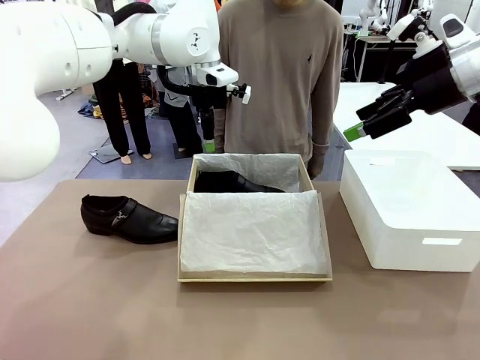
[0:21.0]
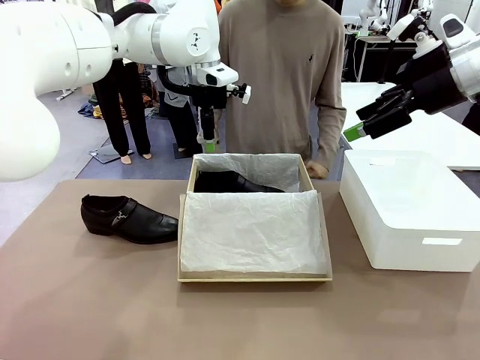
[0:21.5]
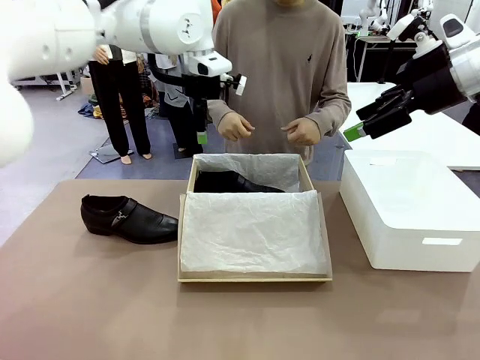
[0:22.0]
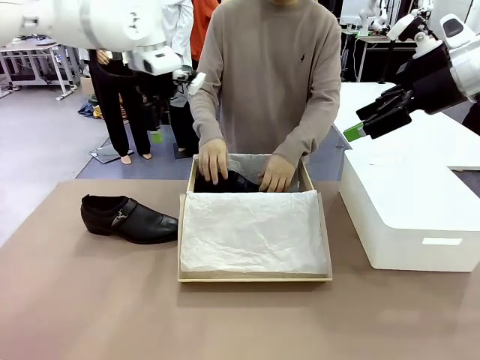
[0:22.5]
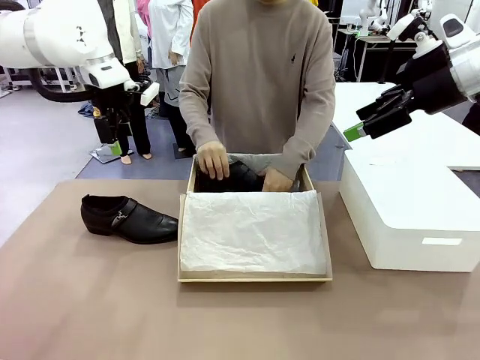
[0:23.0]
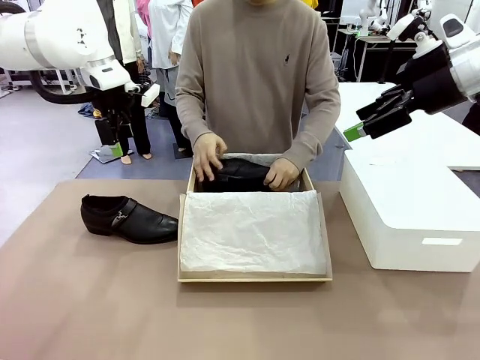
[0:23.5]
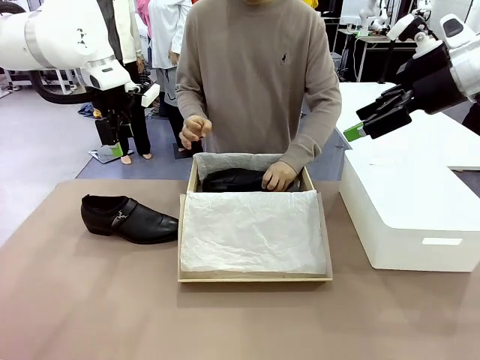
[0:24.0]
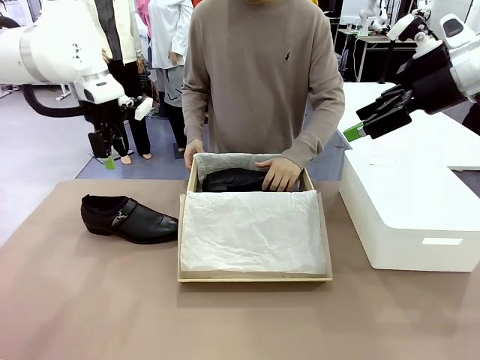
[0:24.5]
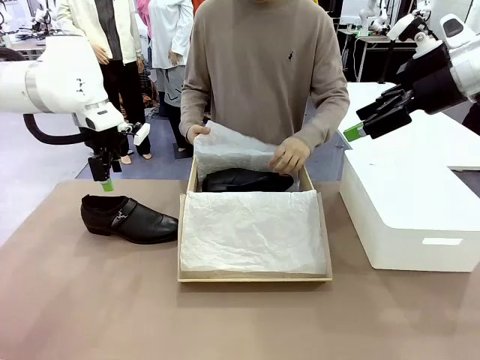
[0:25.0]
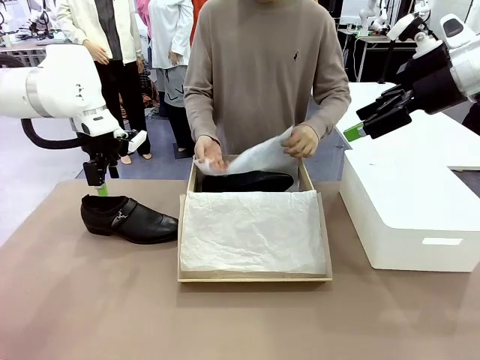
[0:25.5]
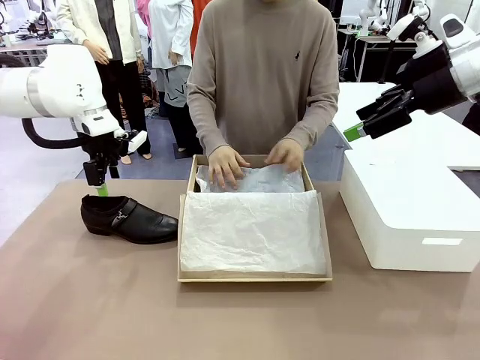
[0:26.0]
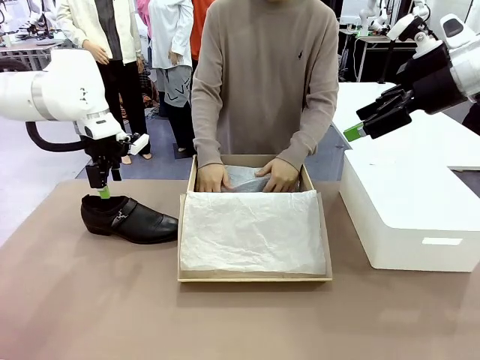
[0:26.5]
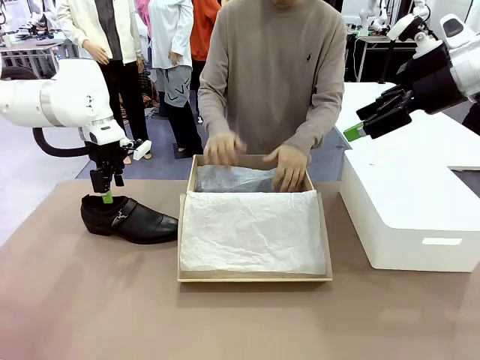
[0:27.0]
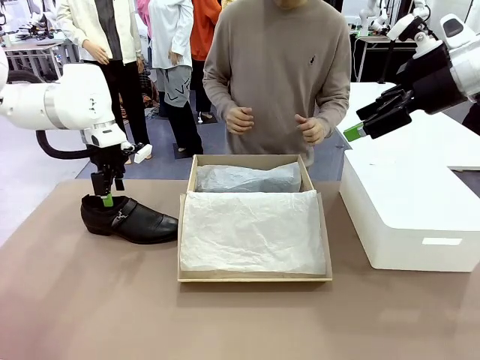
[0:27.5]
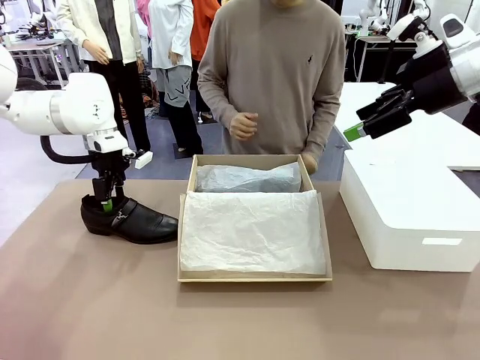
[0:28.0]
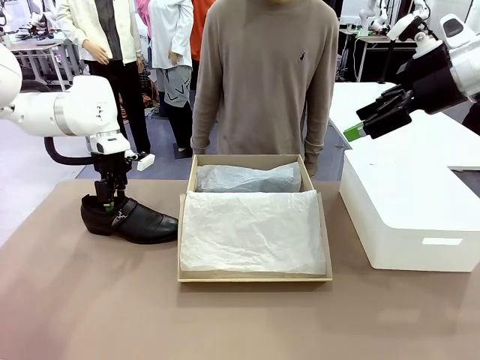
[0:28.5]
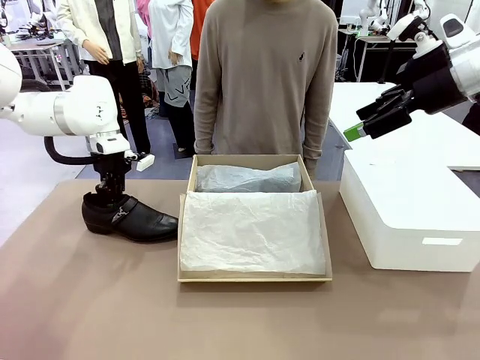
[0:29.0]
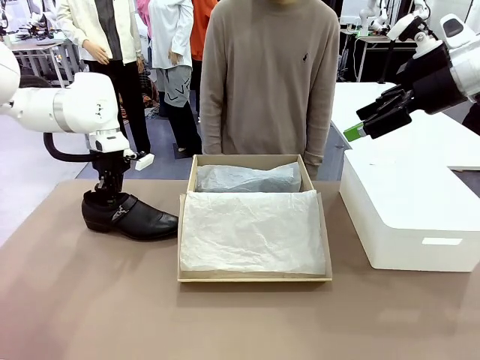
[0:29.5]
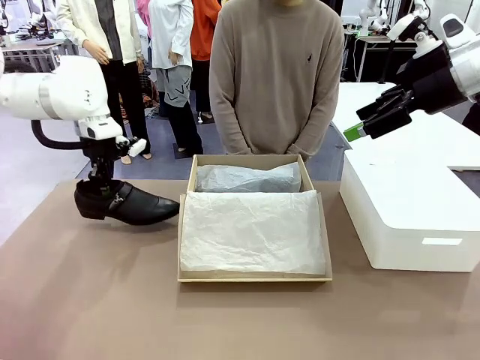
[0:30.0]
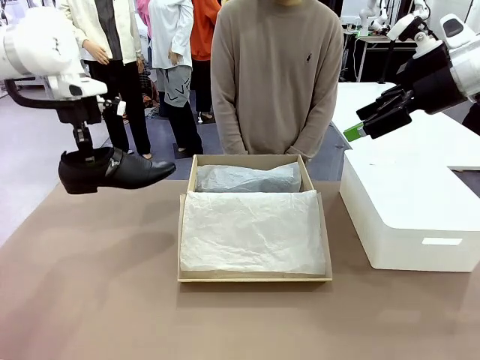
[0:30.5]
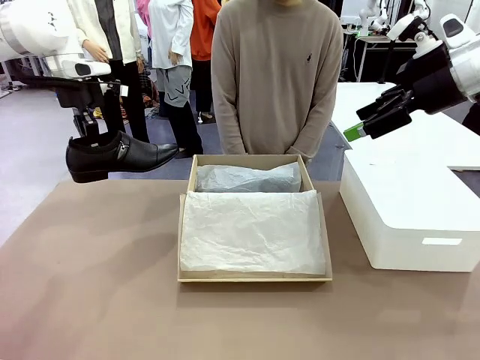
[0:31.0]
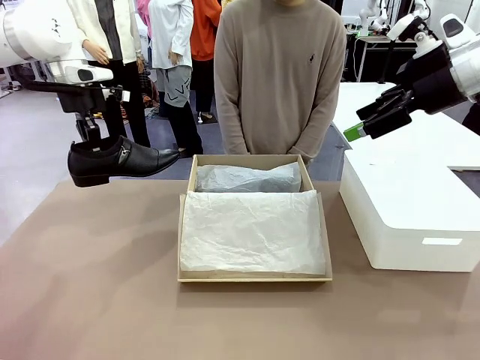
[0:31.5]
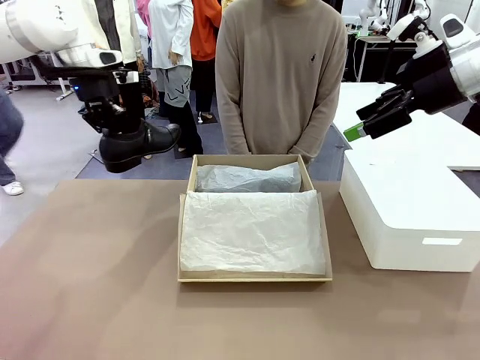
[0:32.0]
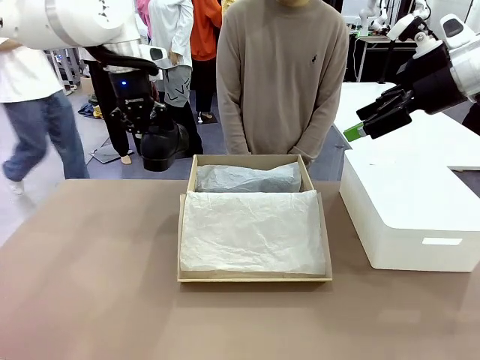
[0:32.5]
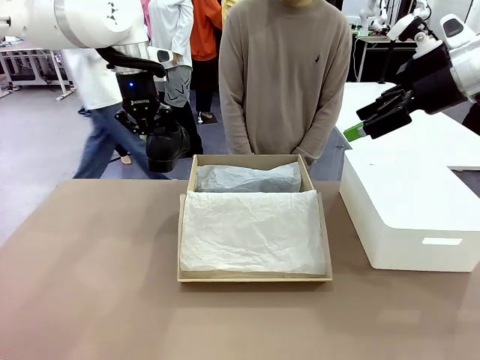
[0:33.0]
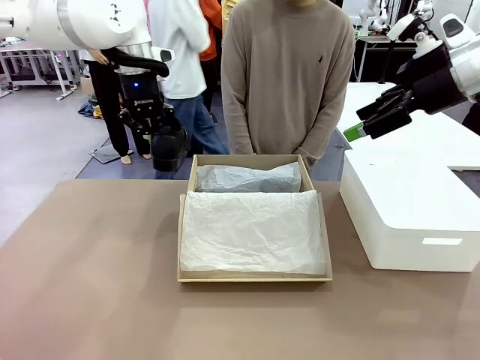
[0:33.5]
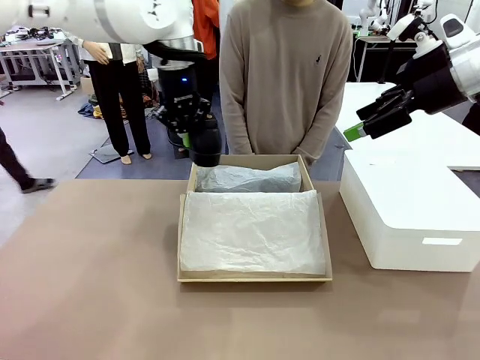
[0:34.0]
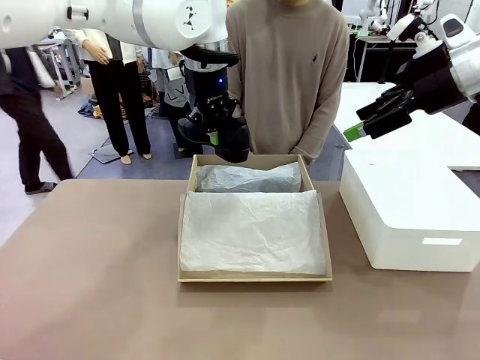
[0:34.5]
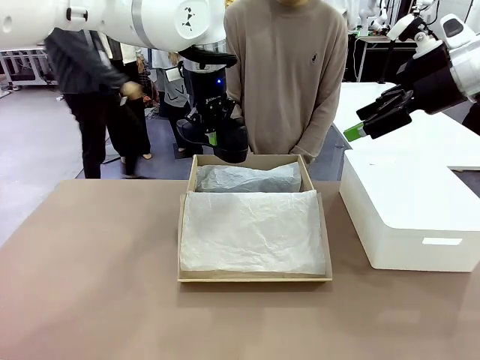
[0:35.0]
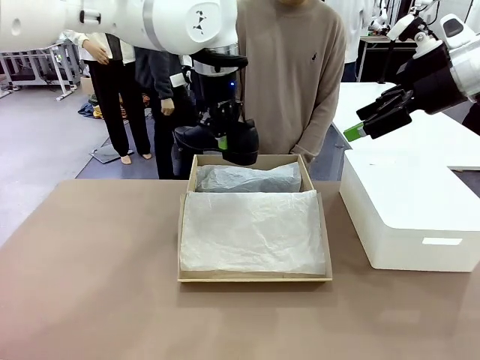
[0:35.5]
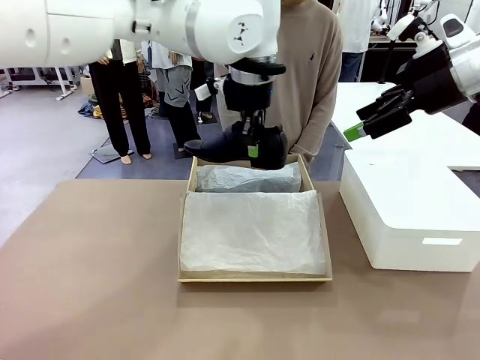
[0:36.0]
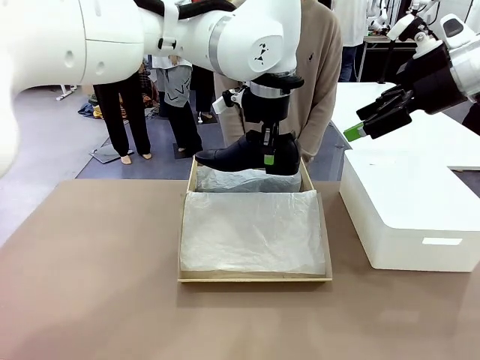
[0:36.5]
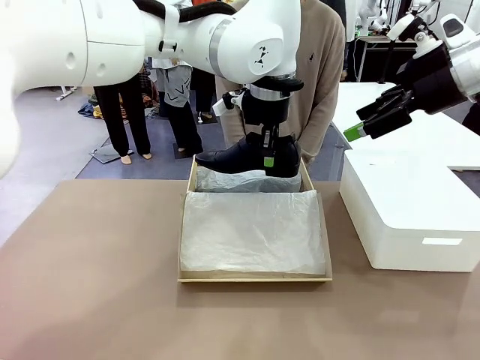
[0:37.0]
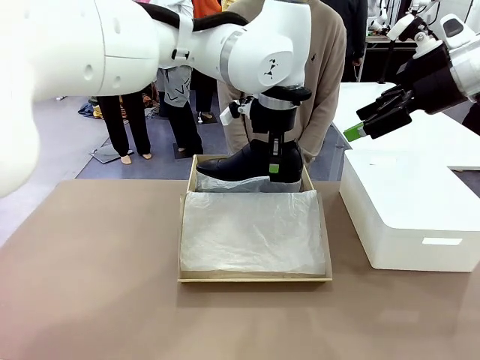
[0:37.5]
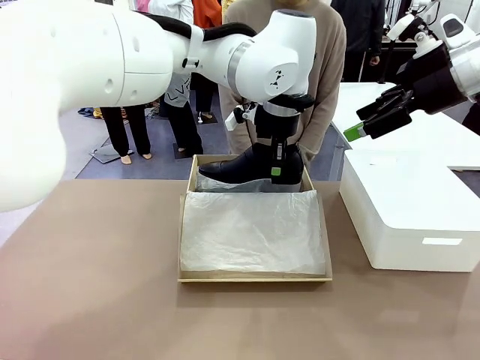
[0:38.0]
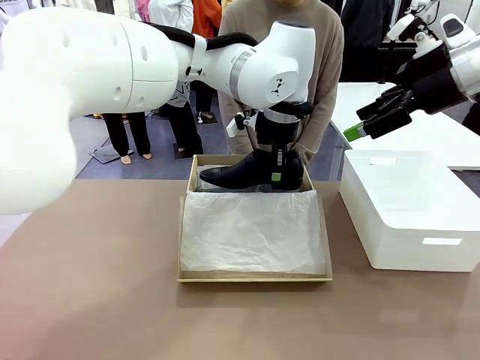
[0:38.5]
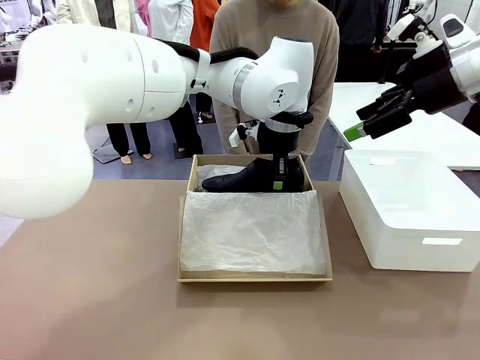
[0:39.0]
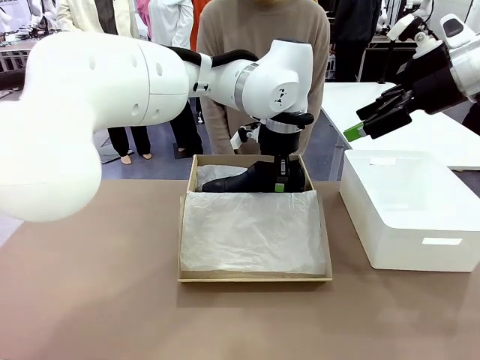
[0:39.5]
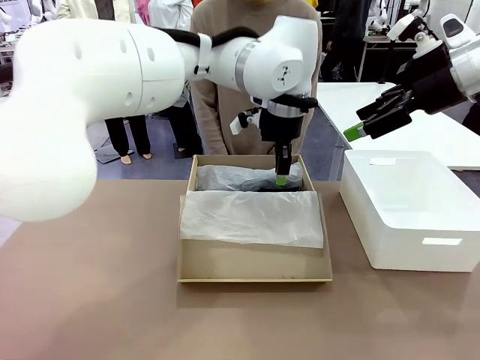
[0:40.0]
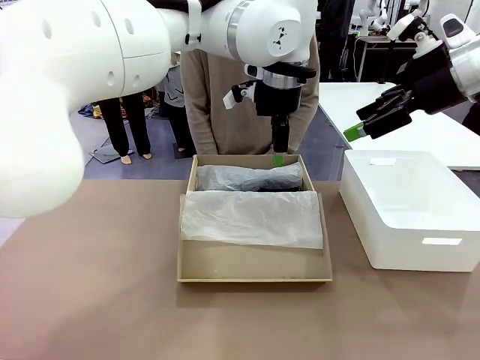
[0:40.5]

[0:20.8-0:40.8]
Task: Pack the shoes into the box.
Robot: Place the other shoe of the Shoes into the Shoes Box.
Person: Pack a shoe of Shoes inside the Shoes Box with Shoes Wrapping Paper.

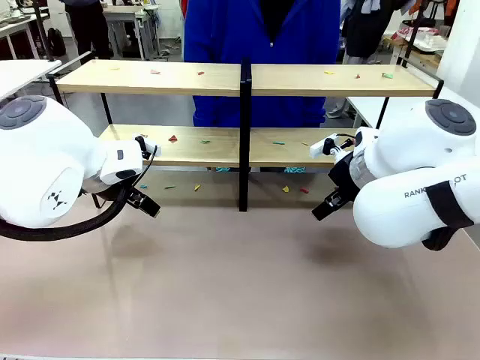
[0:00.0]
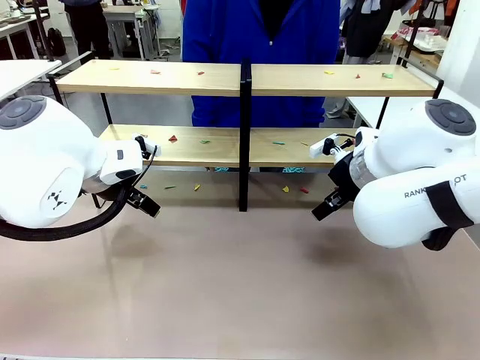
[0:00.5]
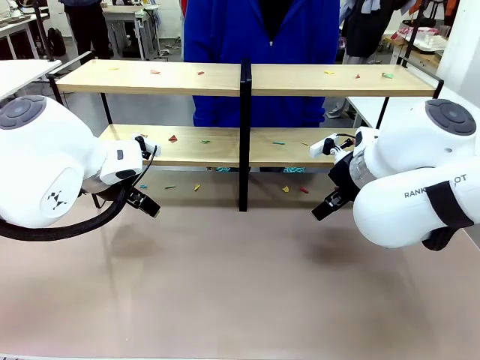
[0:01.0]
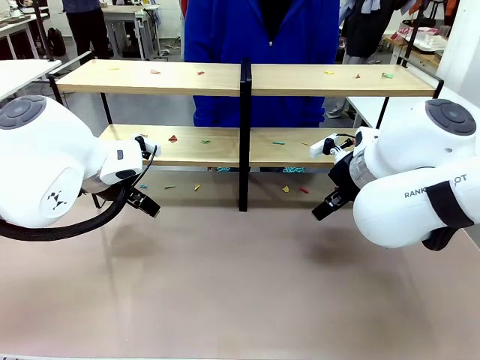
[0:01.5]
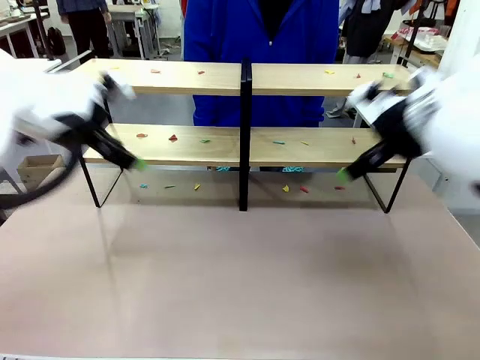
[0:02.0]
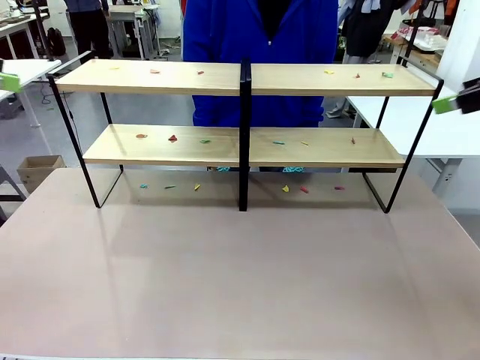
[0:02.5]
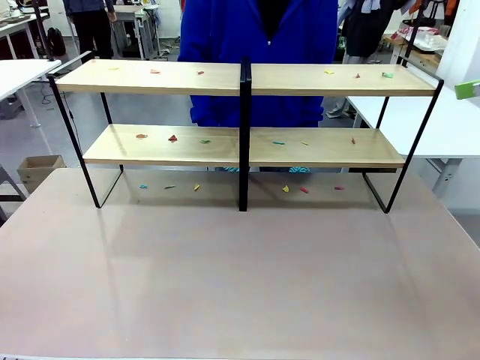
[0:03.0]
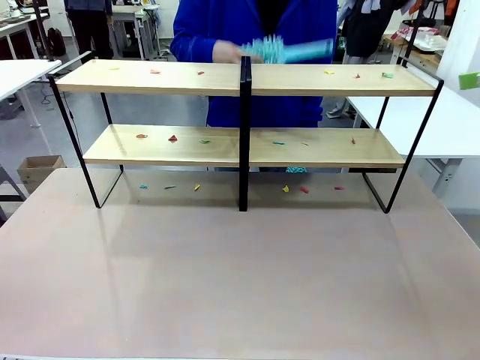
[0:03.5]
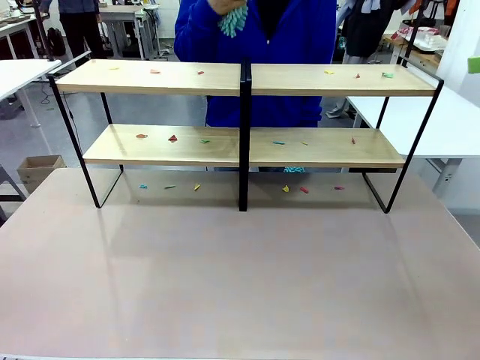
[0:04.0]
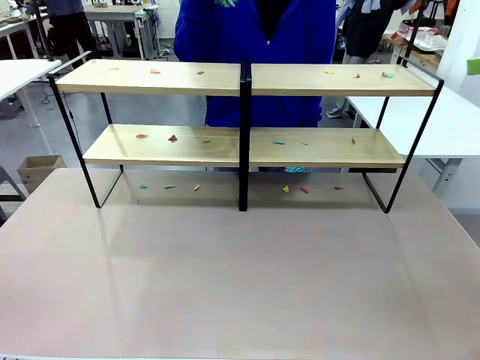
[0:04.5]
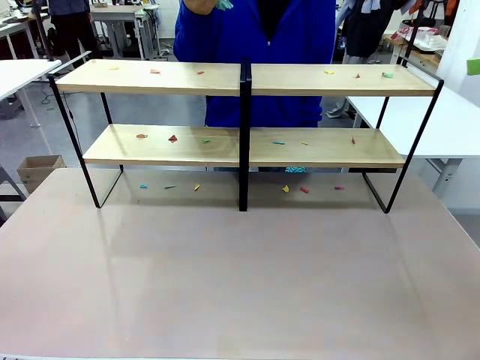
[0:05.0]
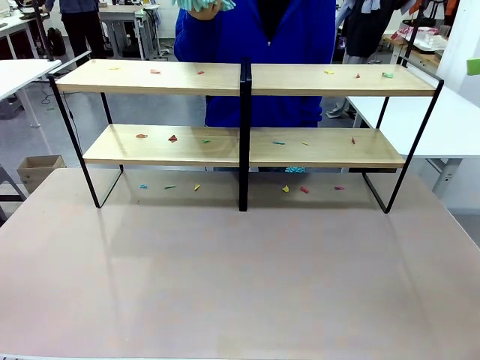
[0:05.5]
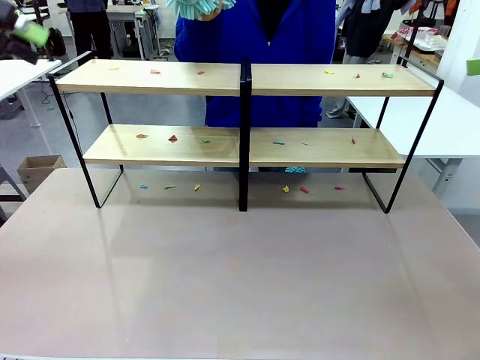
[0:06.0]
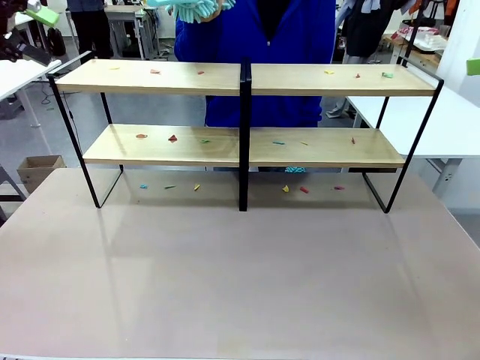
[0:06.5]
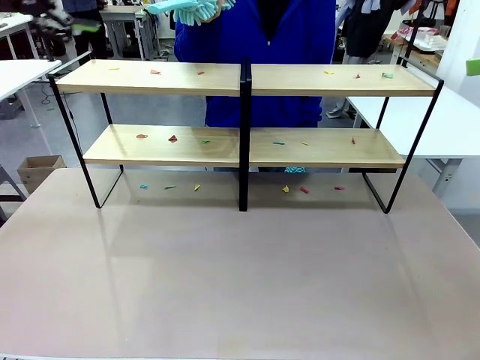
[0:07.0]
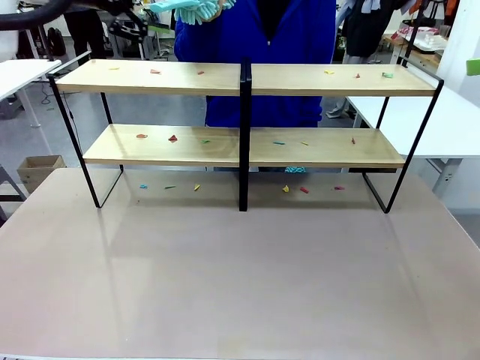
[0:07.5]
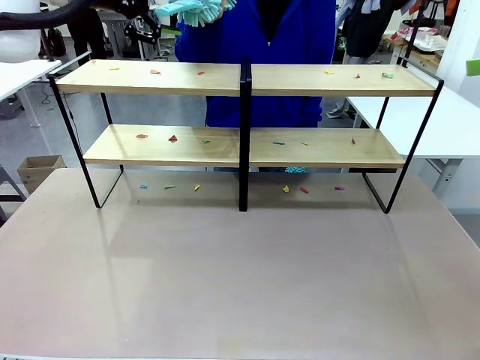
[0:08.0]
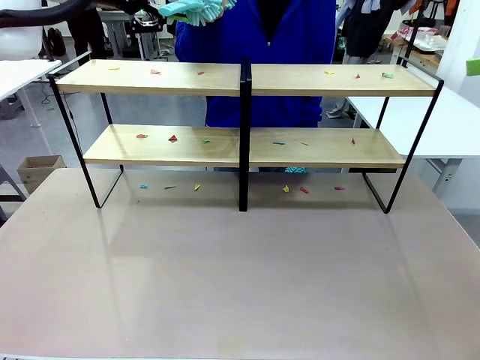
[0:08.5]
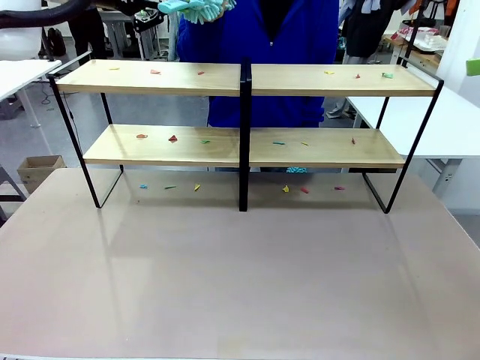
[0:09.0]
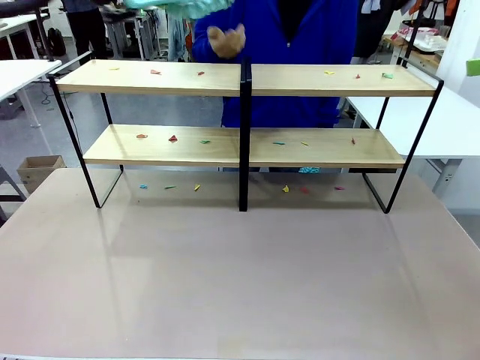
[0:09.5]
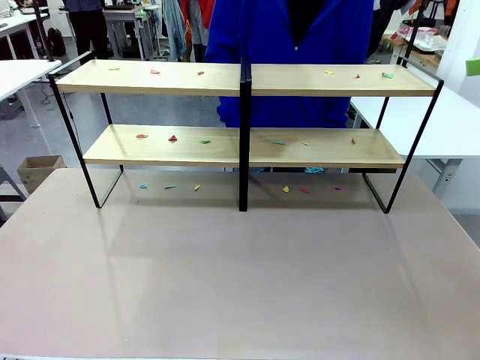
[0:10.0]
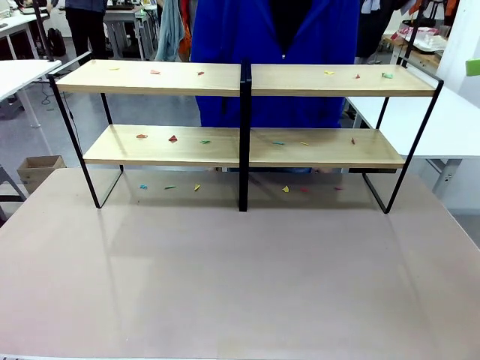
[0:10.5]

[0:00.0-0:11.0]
Task: Clean the shelves.
Robot: Pick up the Duster when the human hands it over.
Person: Hand the Duster to the robot with your right (or left) hand.
